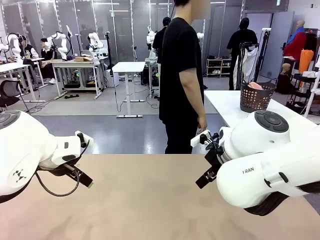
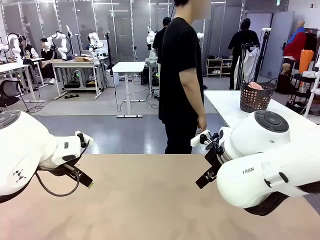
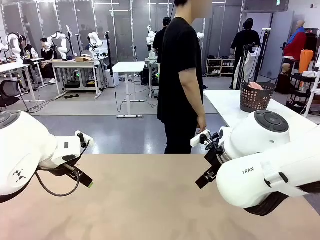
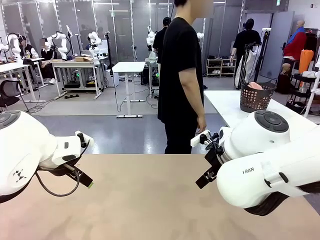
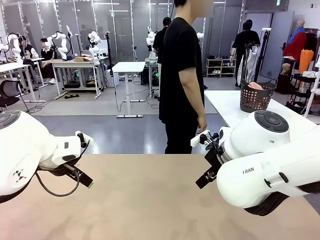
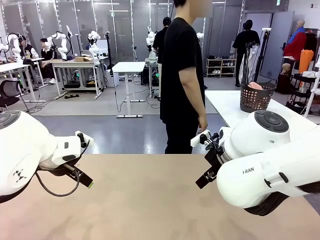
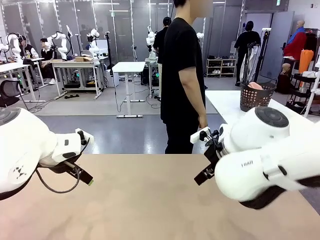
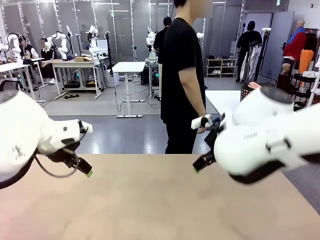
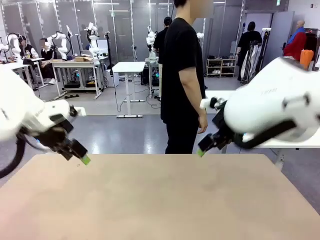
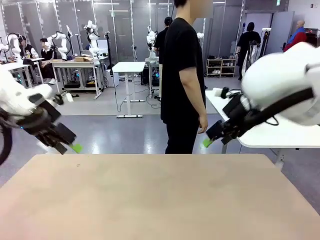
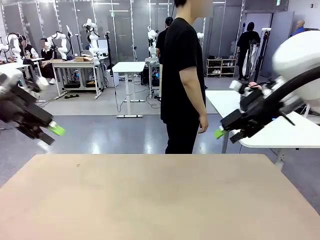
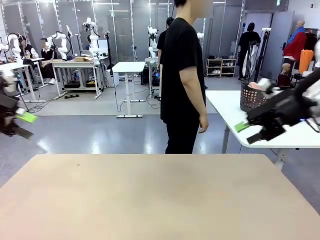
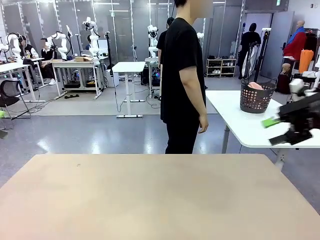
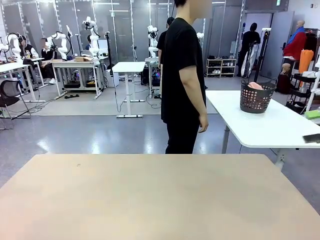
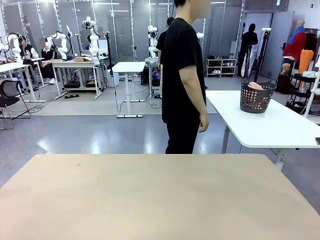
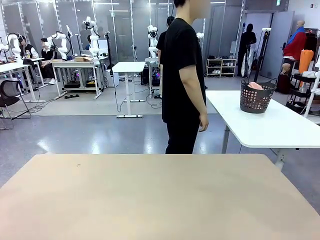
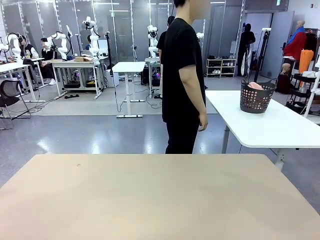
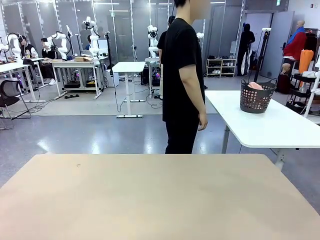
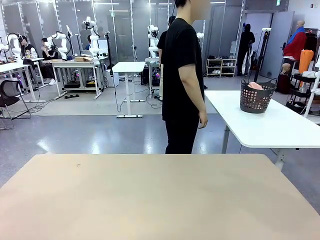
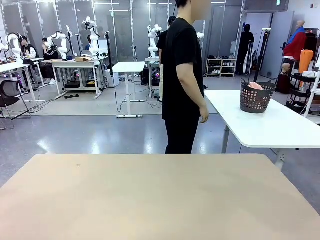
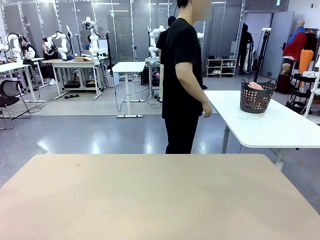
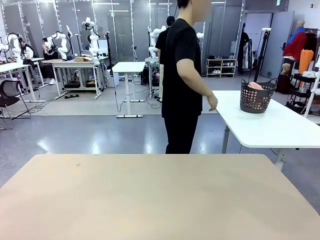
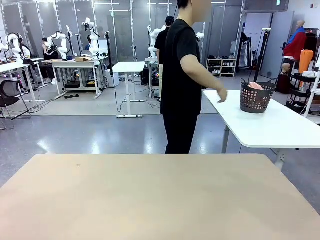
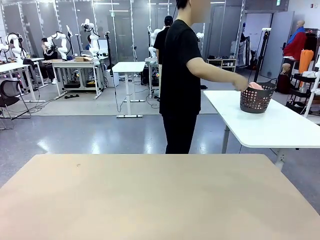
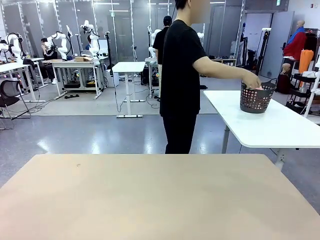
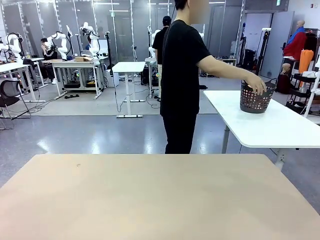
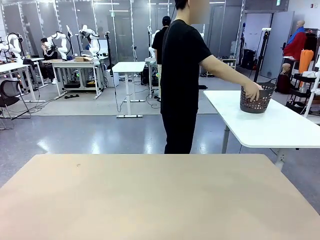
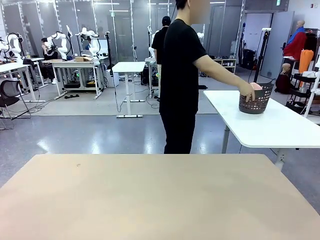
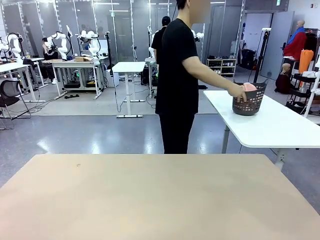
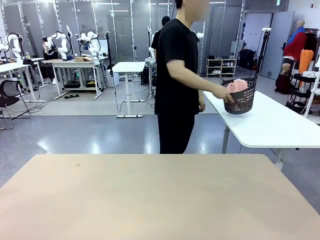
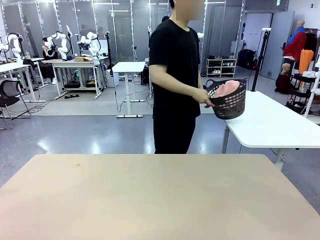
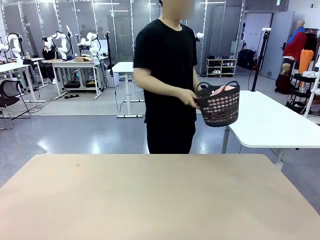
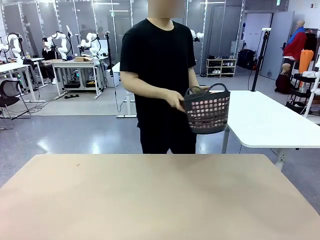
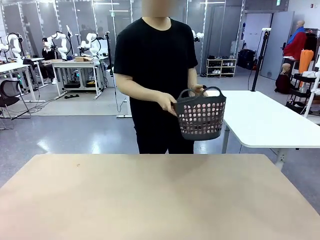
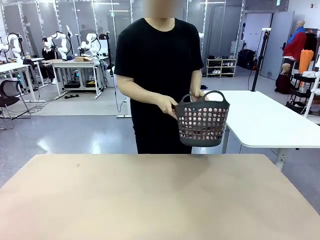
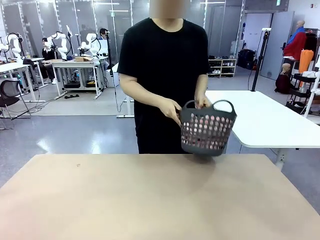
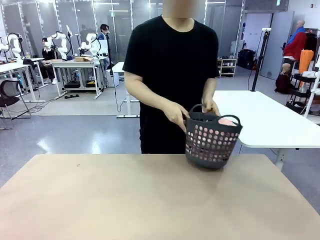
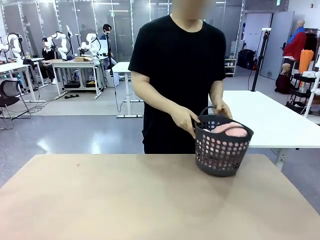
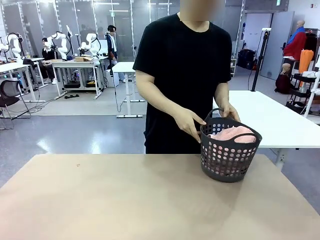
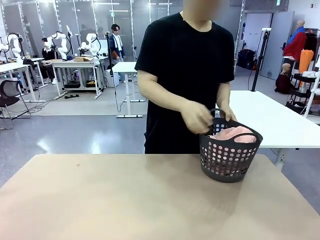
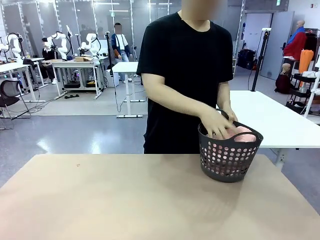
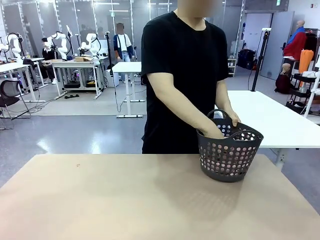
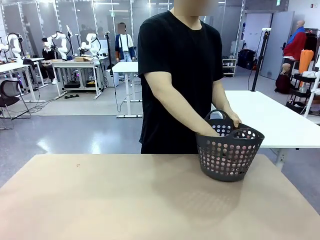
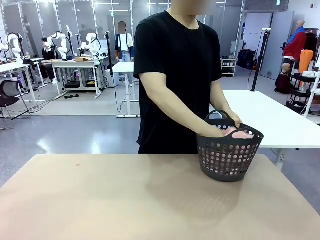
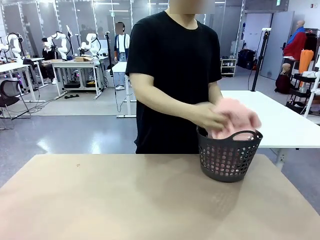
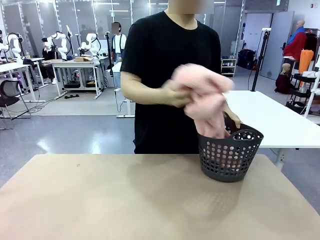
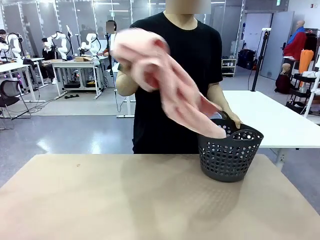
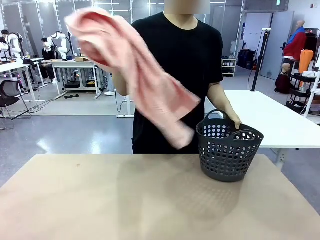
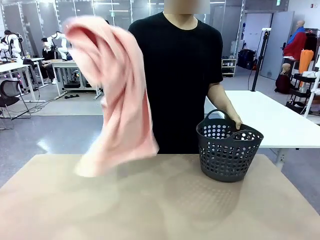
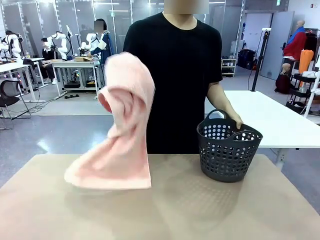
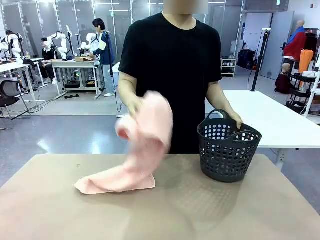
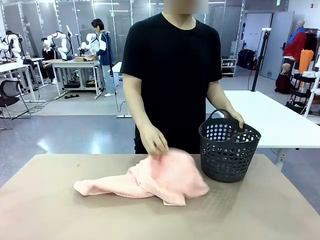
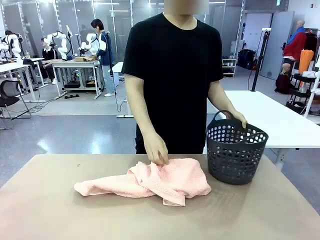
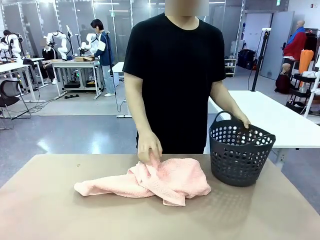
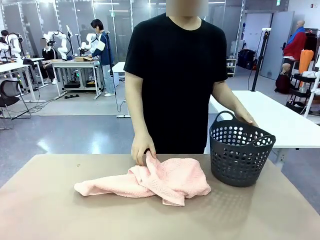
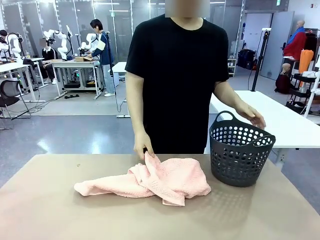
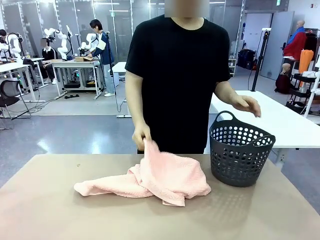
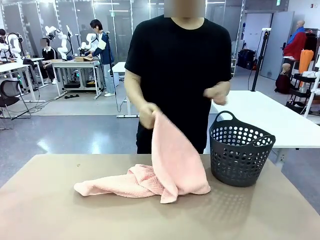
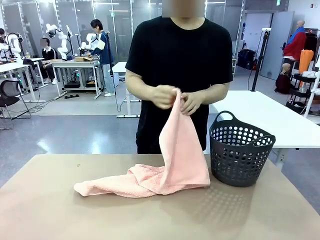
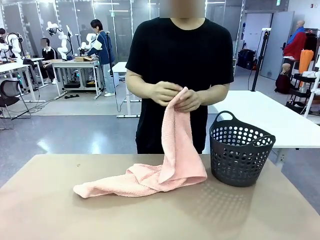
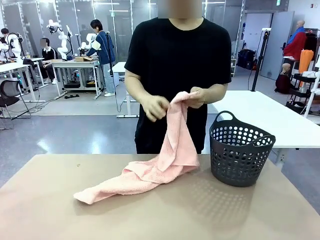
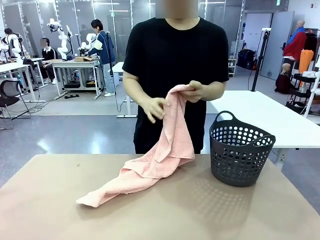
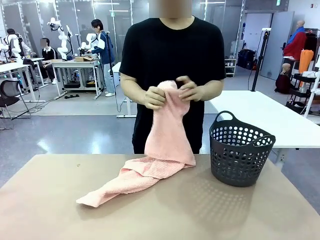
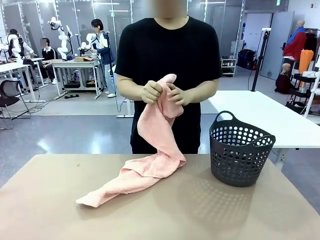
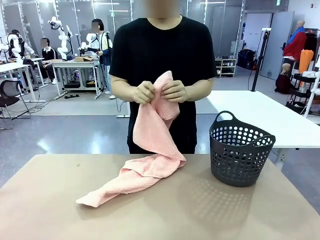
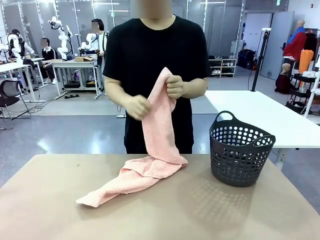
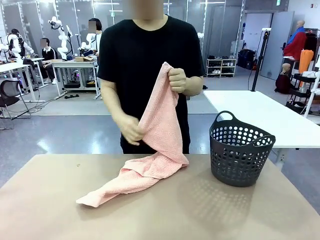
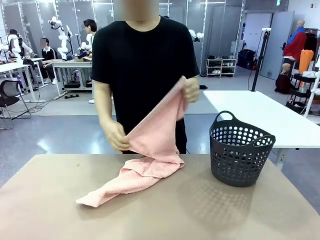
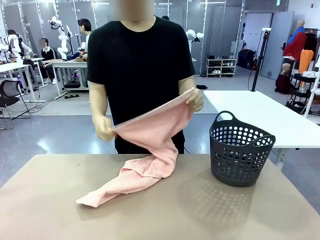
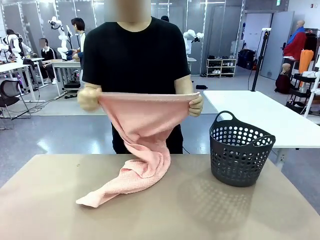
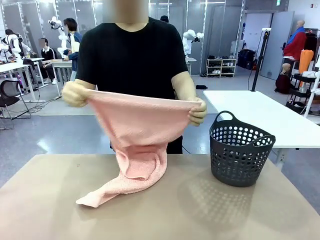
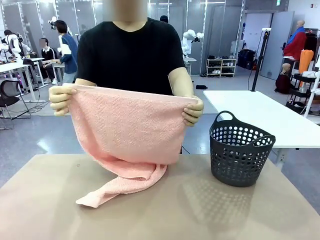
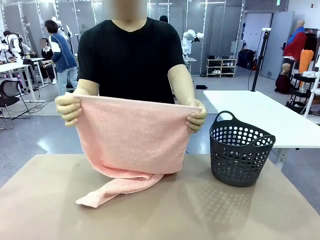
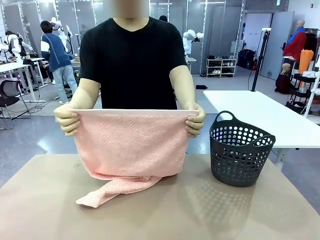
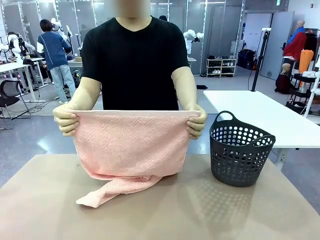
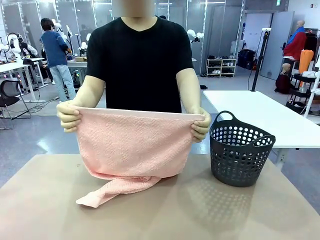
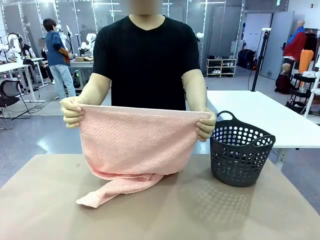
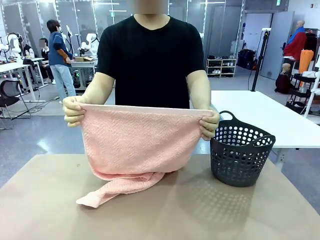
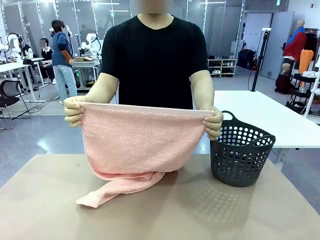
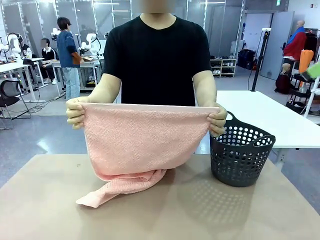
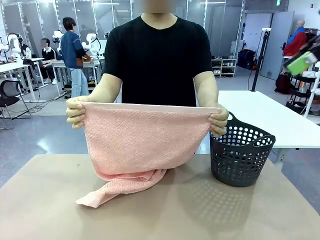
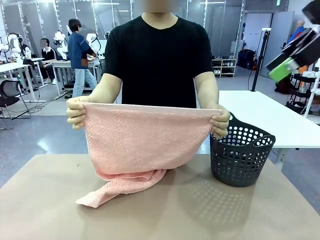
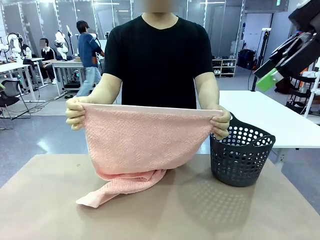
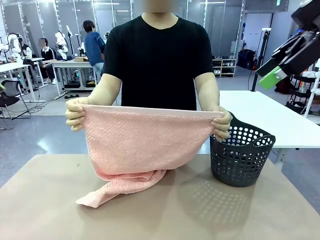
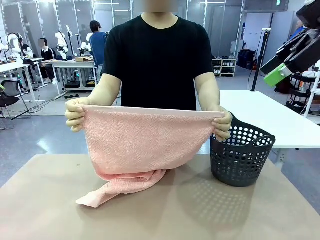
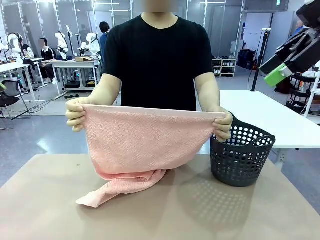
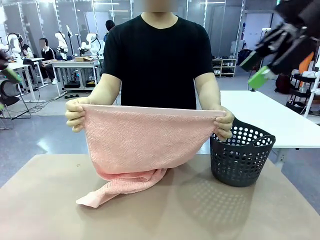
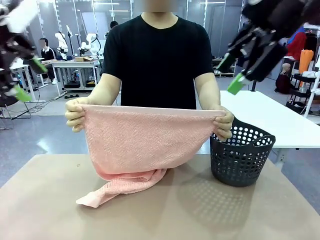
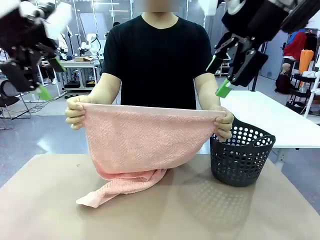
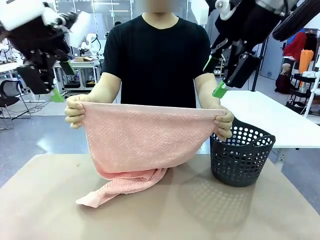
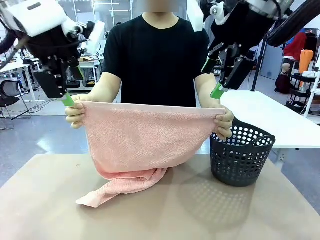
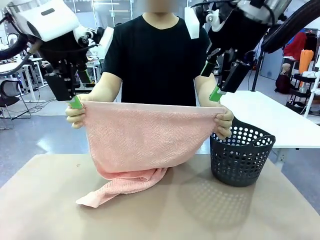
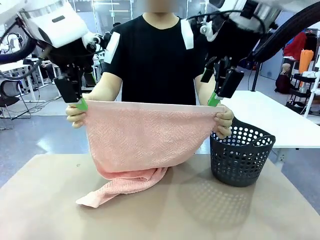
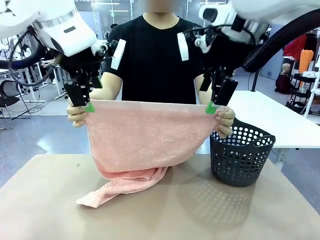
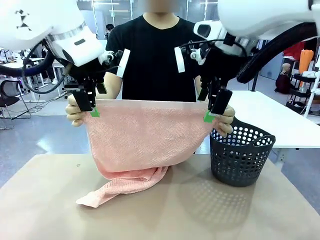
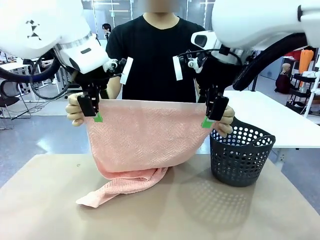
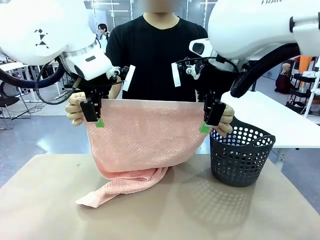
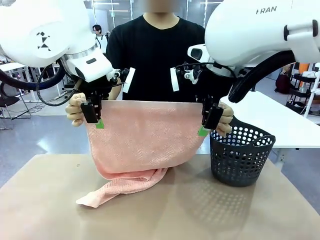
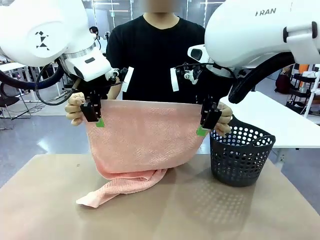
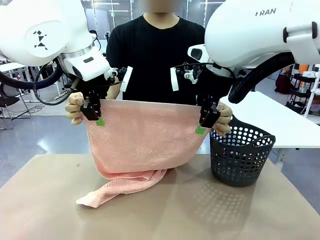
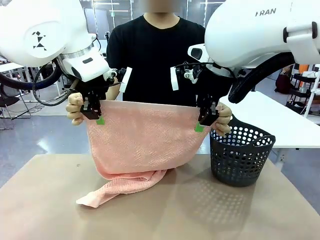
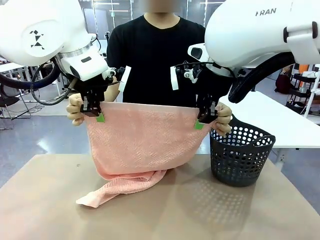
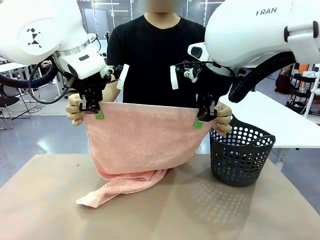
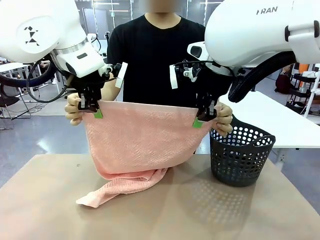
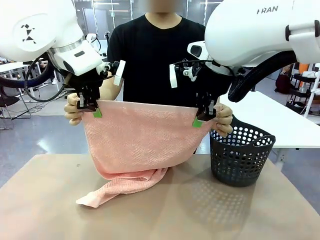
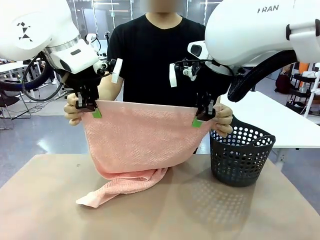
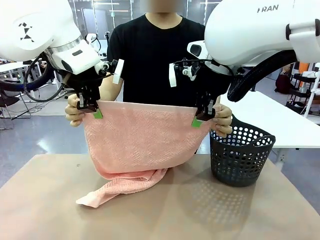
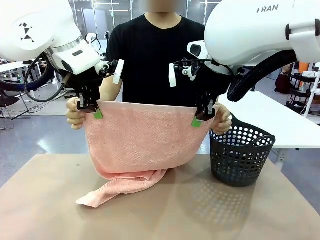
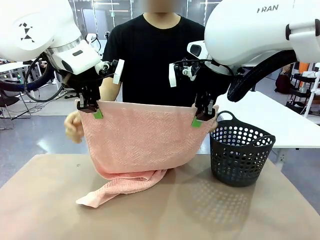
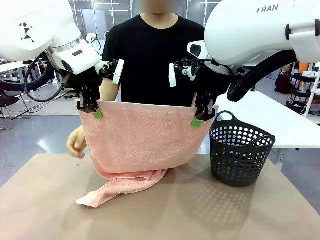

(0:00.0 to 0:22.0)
Task: Fold the towel.
Robot: Grab the top end of the 100 cm Hotel Towel extended by the human.
Person: Pick up the laundry basket, place it on the left side of the robot table, then take out a towel and hand it to the robot while holding both corners of one end.
